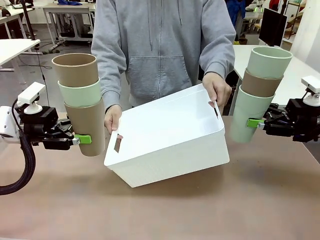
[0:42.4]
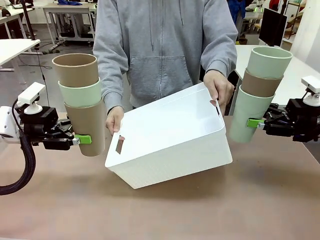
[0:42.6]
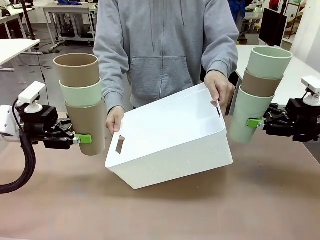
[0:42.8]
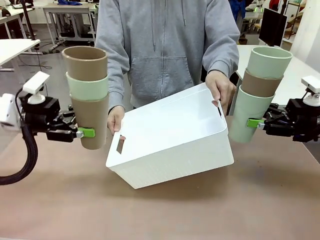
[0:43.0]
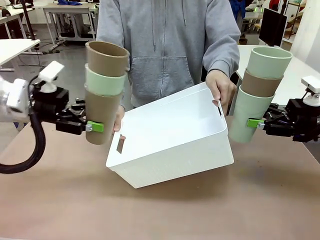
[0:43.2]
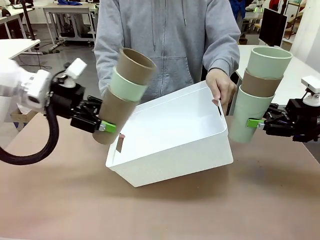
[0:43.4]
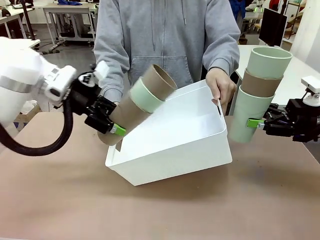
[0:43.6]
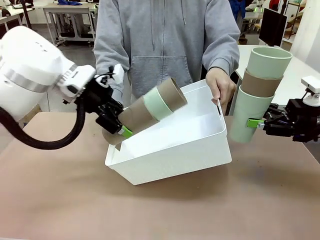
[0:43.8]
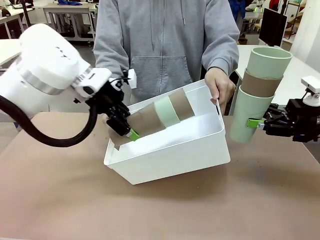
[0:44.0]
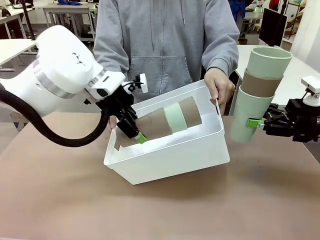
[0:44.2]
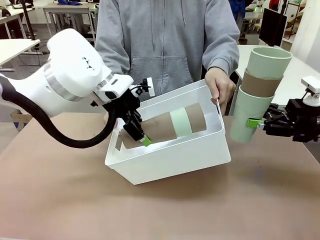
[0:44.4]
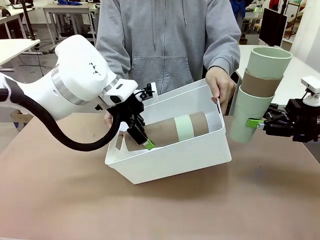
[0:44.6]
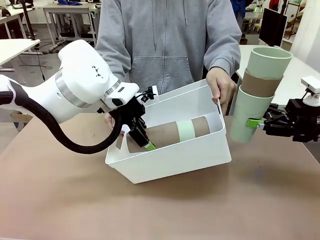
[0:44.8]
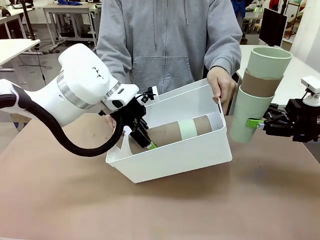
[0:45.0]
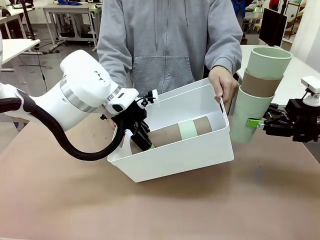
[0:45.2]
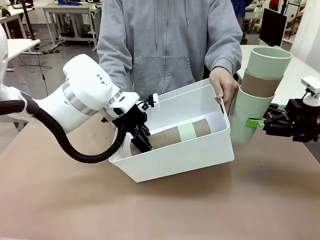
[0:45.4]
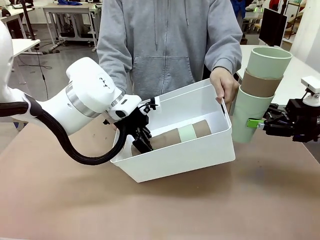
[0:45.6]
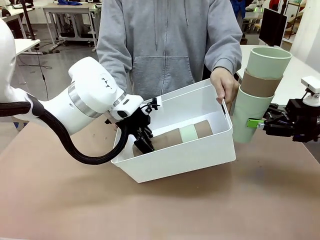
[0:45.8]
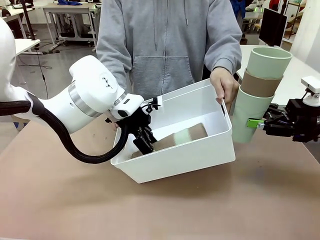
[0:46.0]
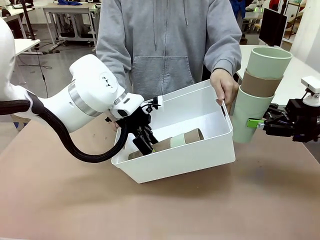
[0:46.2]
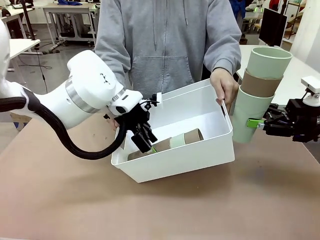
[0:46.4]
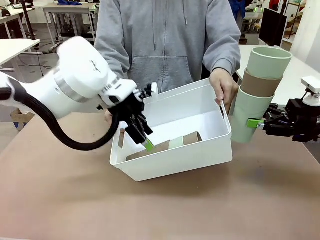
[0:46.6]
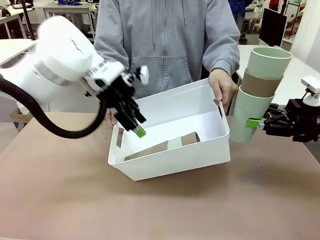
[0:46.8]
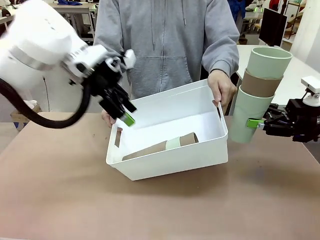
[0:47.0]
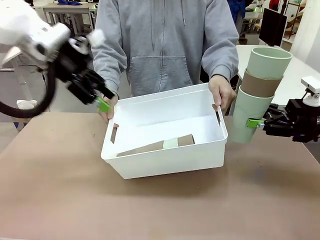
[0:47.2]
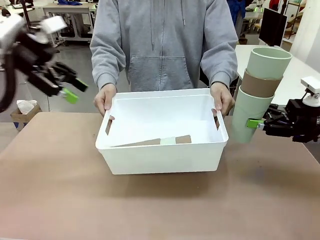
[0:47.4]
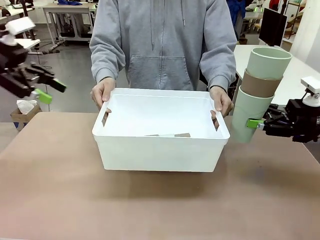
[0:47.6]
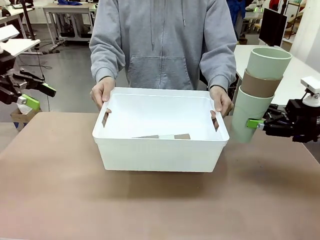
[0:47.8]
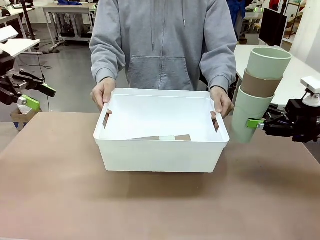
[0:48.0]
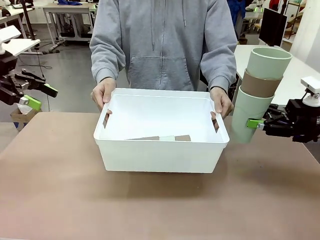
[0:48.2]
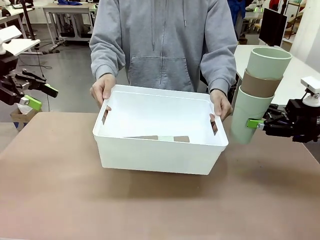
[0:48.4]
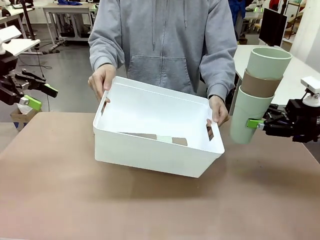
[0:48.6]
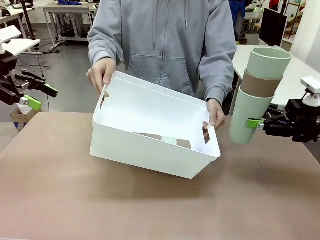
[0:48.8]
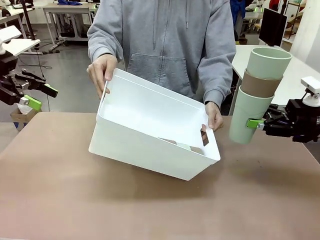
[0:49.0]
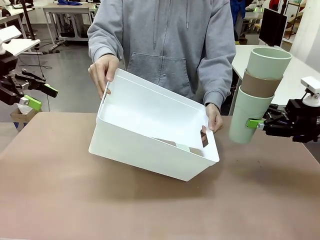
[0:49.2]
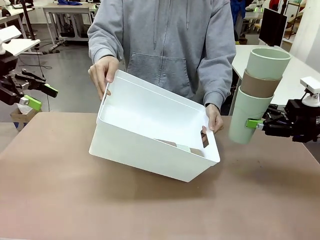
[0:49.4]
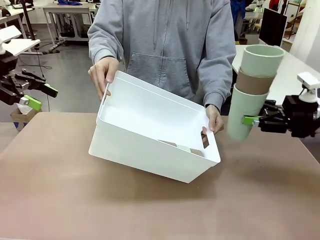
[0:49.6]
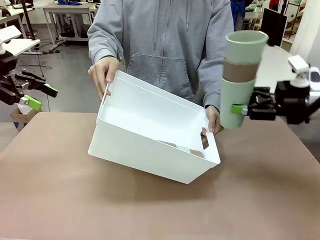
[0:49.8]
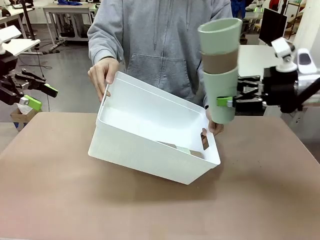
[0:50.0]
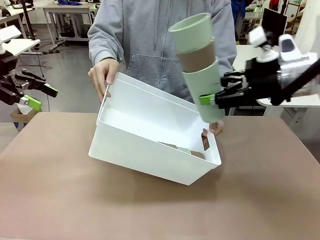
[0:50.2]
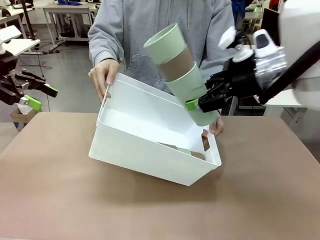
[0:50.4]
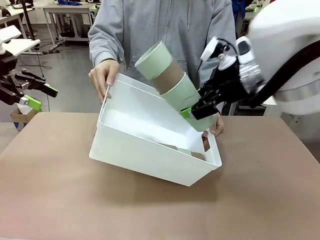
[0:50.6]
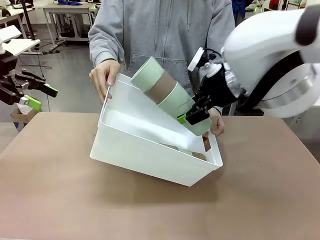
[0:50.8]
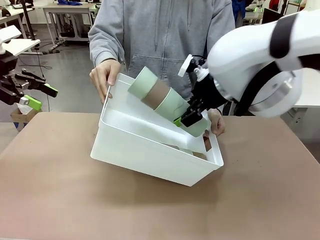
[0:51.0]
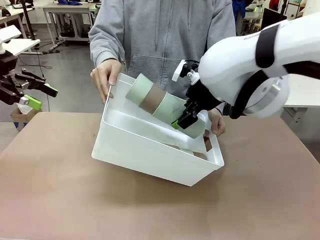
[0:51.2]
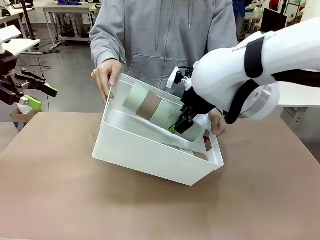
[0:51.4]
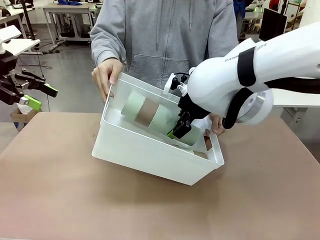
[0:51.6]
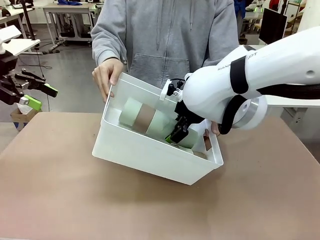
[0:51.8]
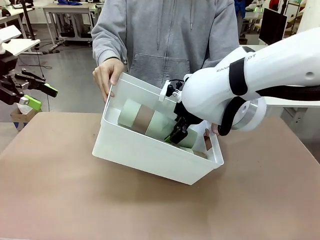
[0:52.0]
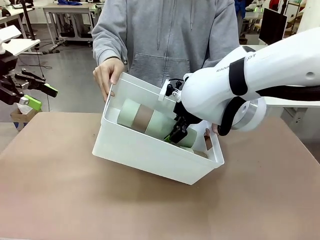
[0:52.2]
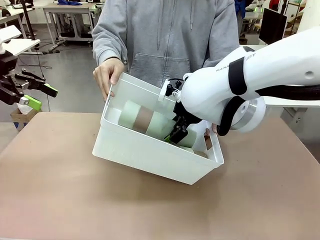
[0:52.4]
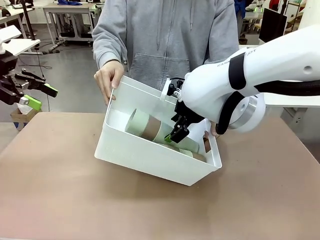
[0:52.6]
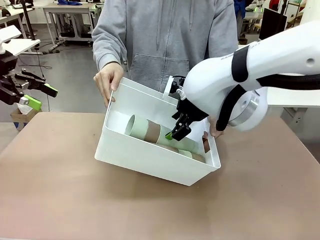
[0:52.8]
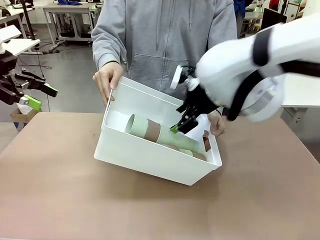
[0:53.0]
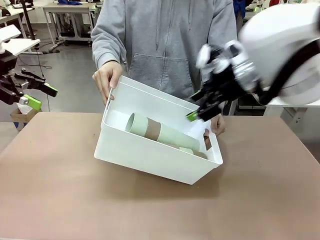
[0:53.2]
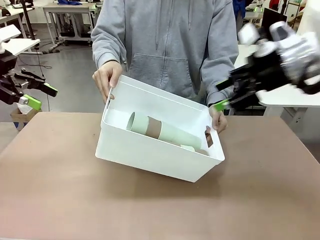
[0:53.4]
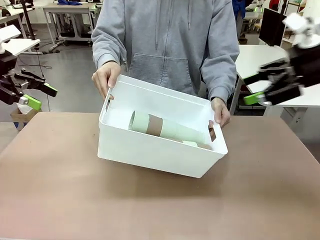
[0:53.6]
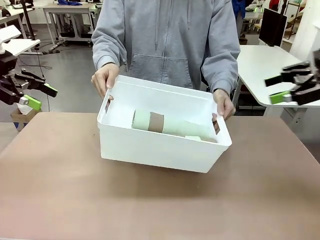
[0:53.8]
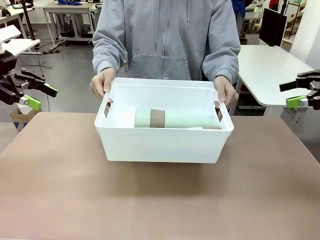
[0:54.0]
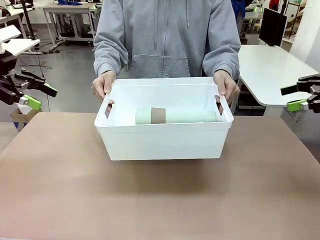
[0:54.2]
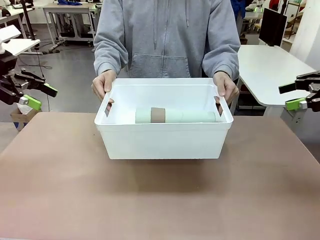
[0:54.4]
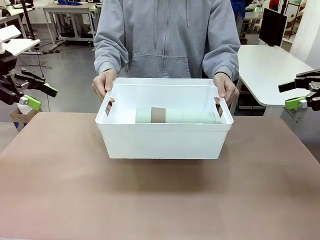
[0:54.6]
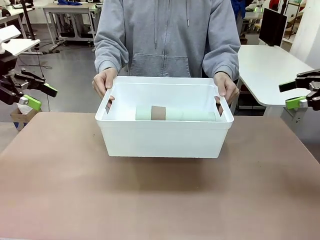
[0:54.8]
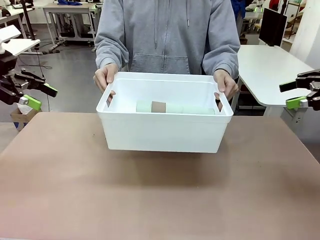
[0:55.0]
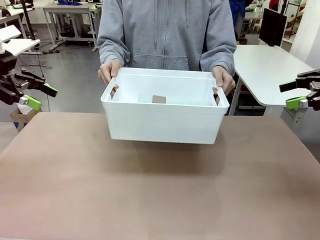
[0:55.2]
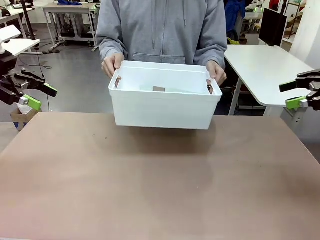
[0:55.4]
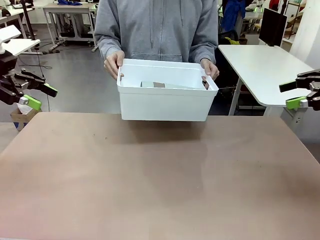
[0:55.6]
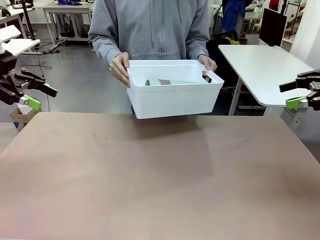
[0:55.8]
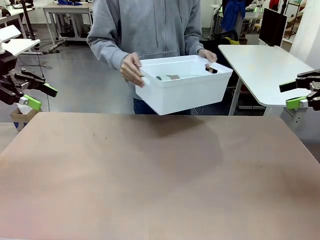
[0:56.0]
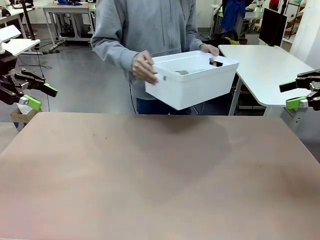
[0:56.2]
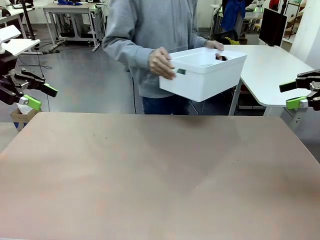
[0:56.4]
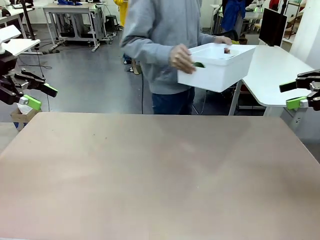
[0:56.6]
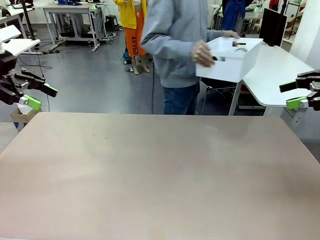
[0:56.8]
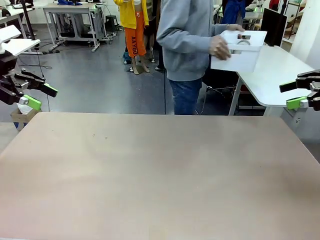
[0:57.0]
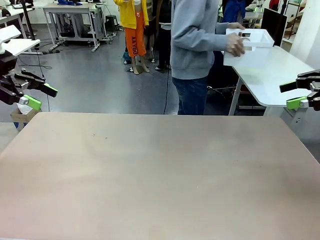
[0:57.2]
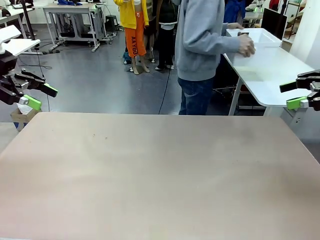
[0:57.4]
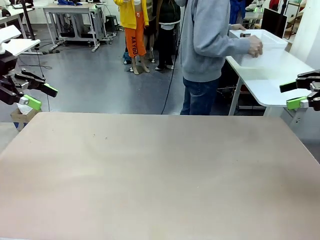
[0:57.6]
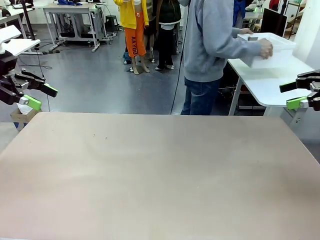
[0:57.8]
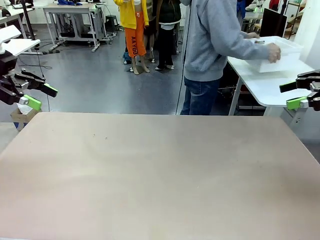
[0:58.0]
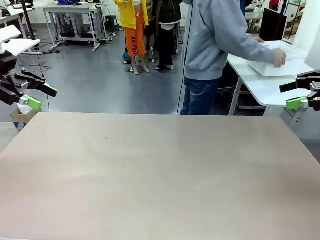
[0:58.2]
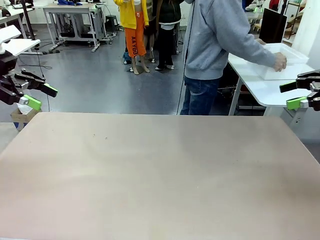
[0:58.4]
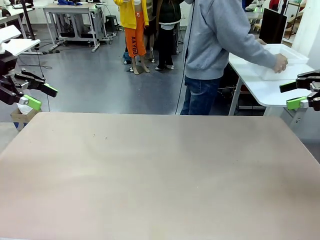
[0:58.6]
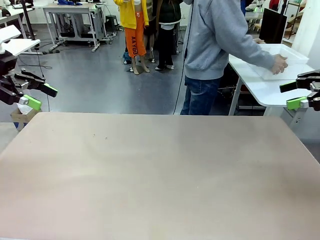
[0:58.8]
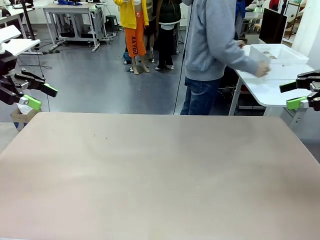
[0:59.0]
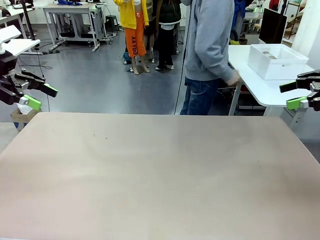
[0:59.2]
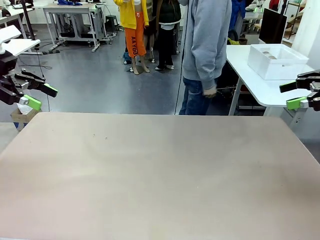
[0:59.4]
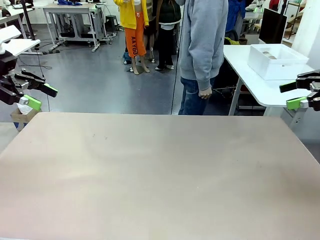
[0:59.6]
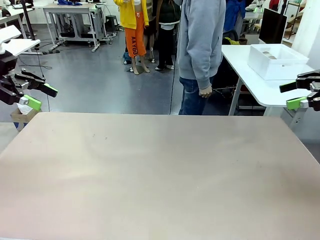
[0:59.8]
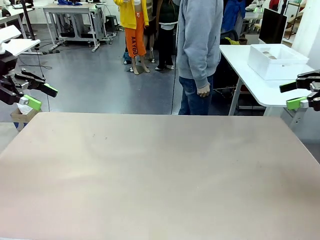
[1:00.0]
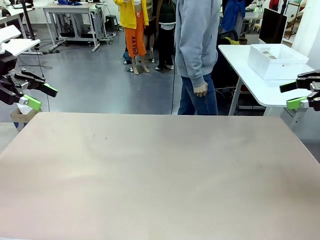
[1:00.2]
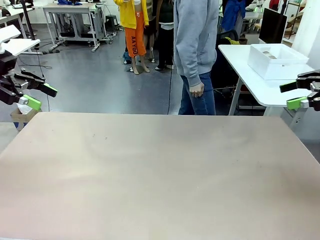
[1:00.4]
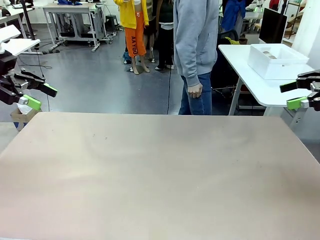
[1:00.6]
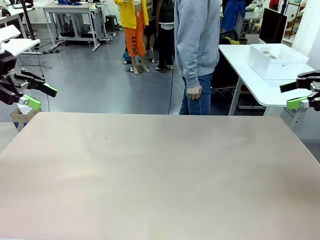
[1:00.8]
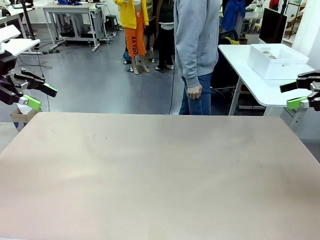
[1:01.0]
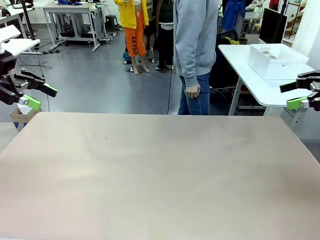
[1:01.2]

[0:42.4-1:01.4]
Task: Stack the cups and store them in the basket.
Robot: Place the stack of Reusable plastic cups into the Pantry Basket.
Person: Place the basket containing the cups in the middle of the Human Table.
